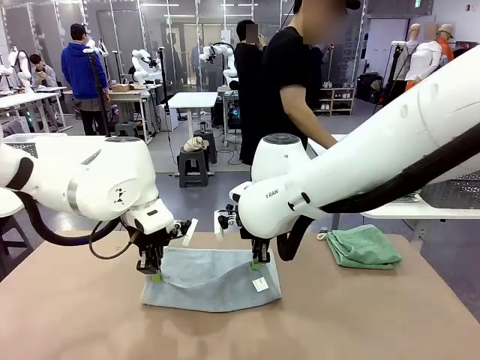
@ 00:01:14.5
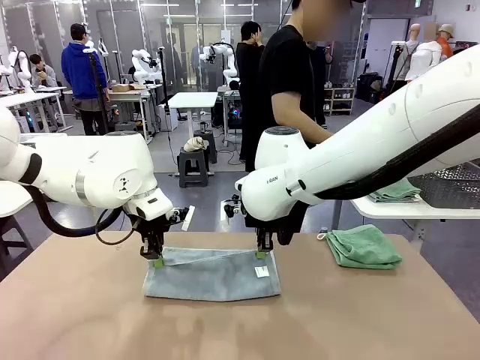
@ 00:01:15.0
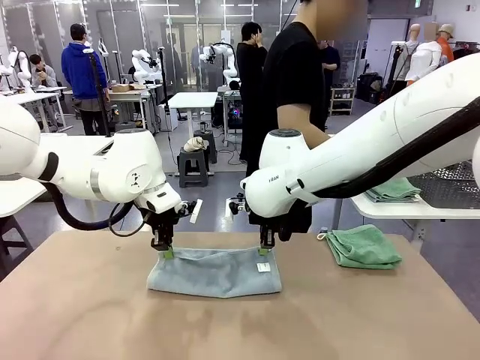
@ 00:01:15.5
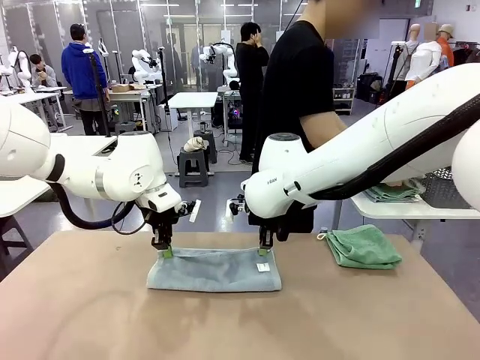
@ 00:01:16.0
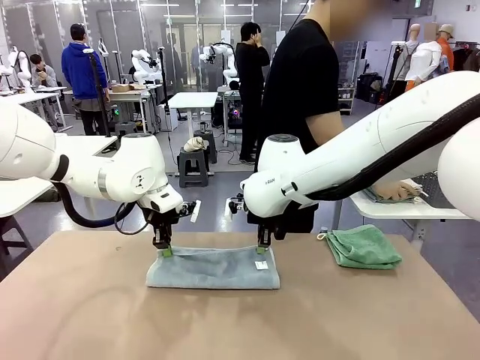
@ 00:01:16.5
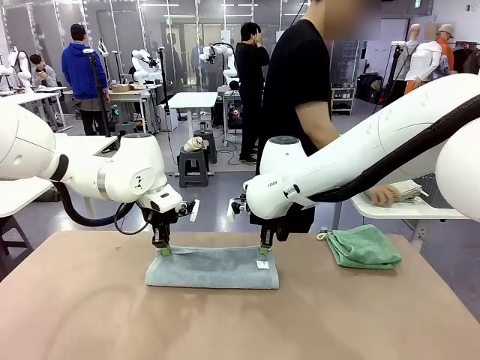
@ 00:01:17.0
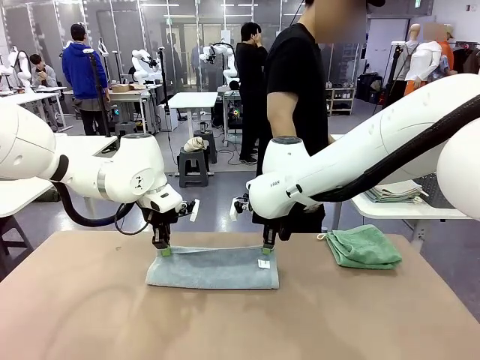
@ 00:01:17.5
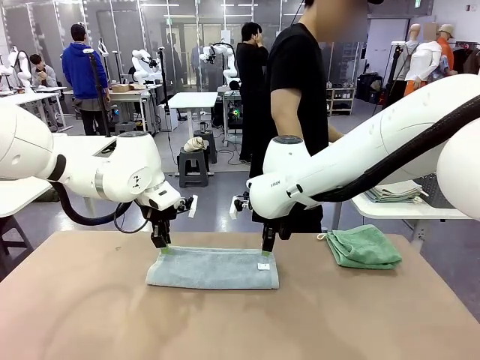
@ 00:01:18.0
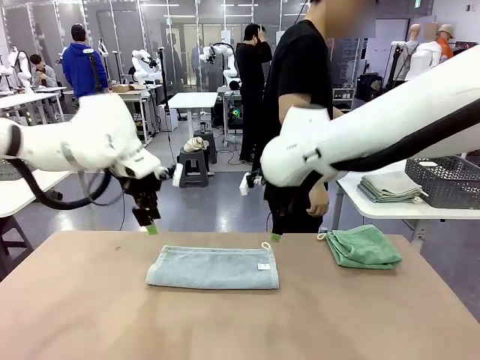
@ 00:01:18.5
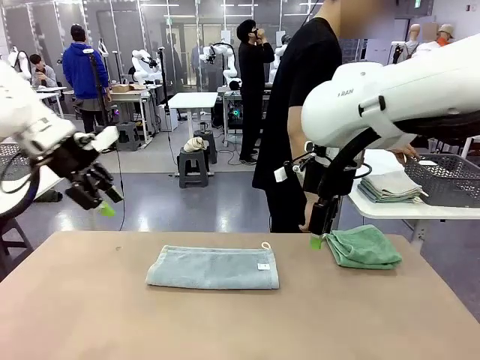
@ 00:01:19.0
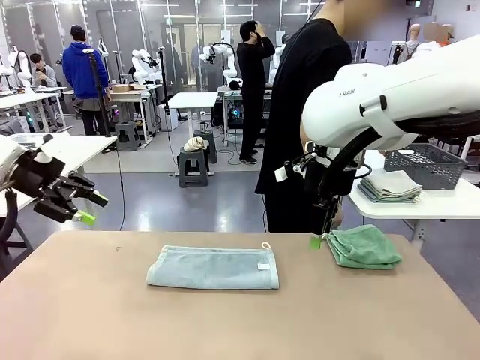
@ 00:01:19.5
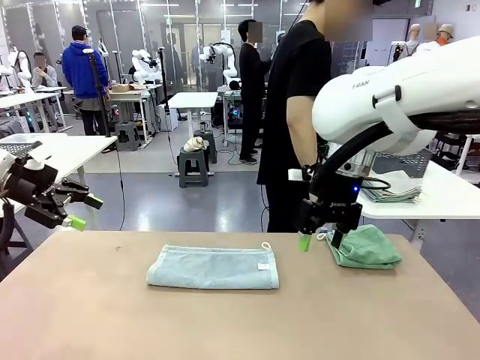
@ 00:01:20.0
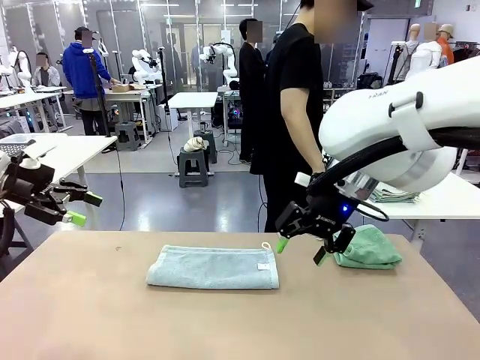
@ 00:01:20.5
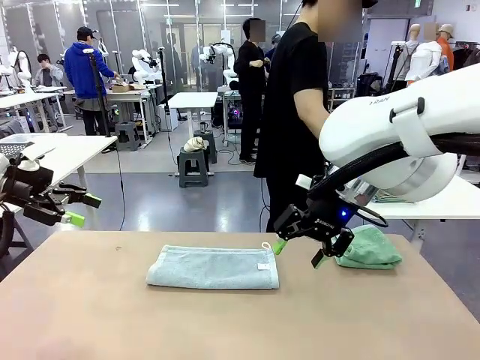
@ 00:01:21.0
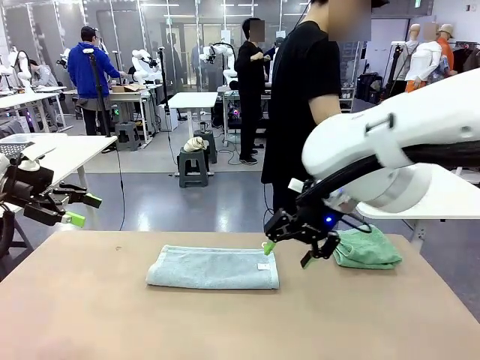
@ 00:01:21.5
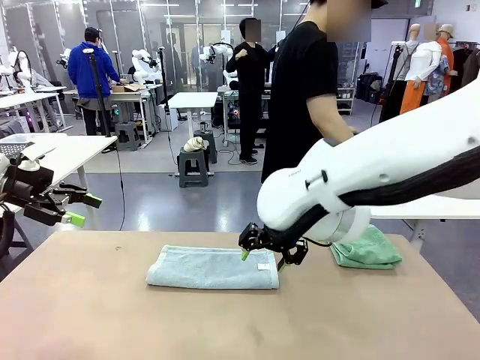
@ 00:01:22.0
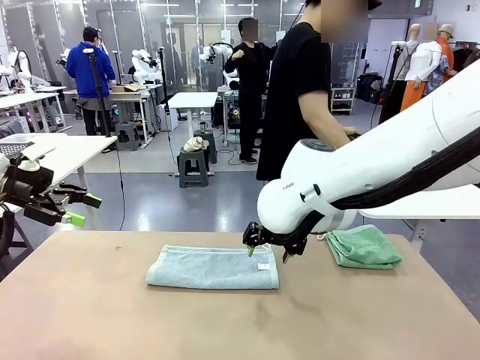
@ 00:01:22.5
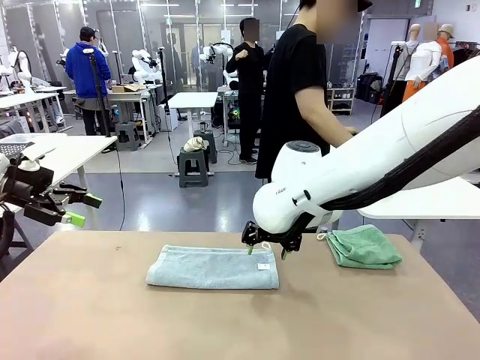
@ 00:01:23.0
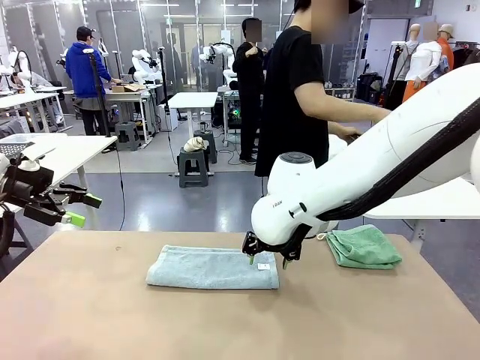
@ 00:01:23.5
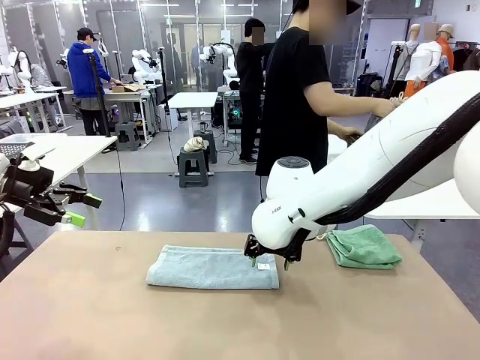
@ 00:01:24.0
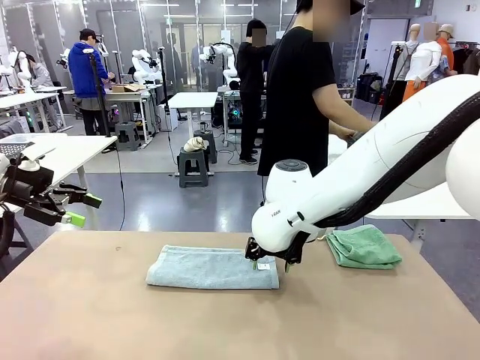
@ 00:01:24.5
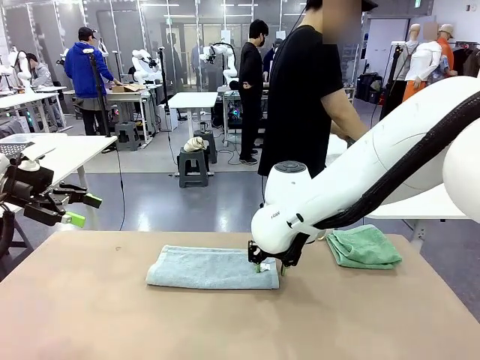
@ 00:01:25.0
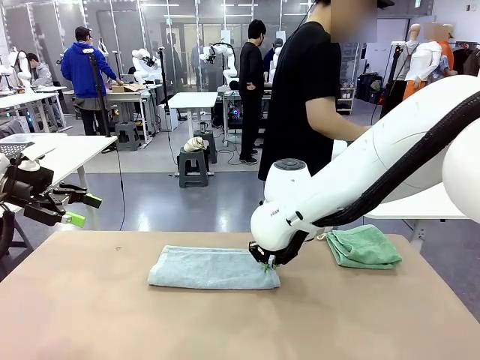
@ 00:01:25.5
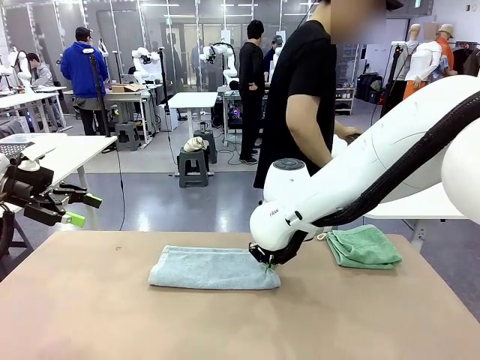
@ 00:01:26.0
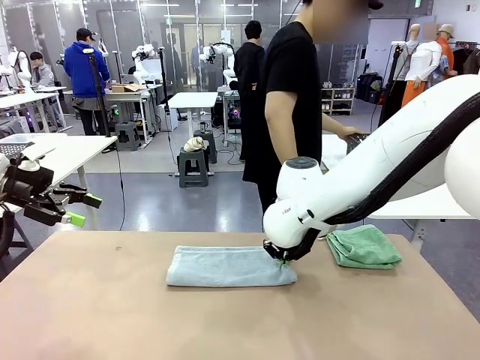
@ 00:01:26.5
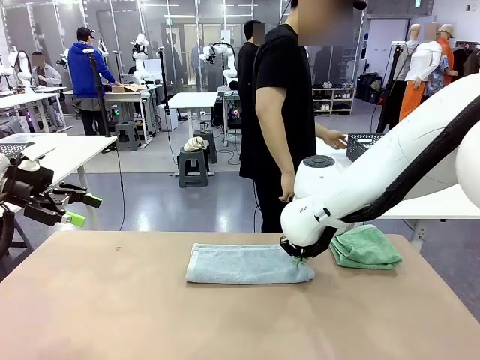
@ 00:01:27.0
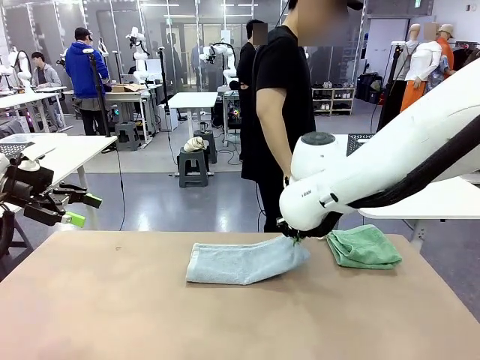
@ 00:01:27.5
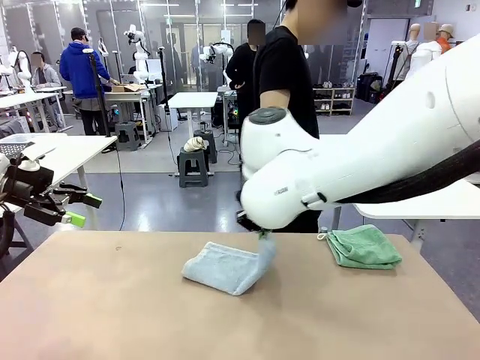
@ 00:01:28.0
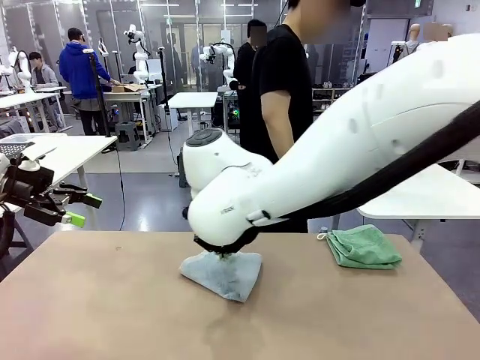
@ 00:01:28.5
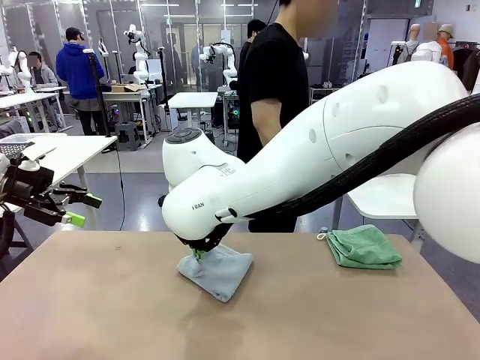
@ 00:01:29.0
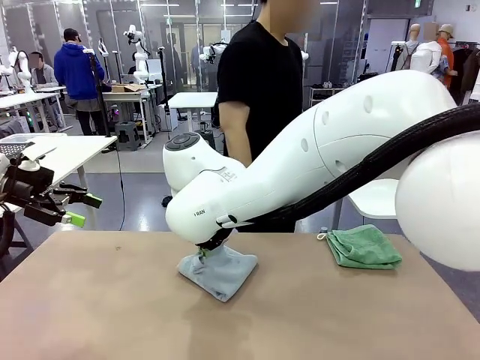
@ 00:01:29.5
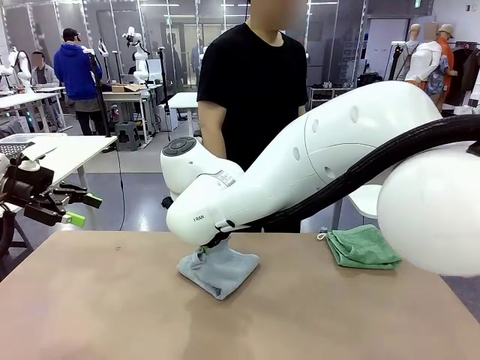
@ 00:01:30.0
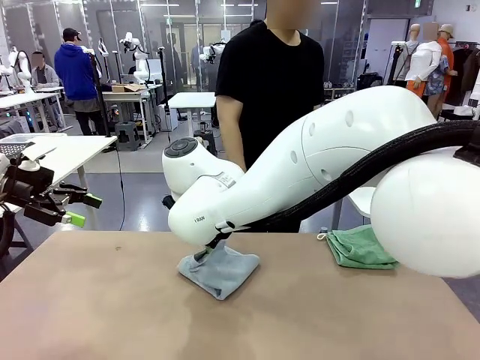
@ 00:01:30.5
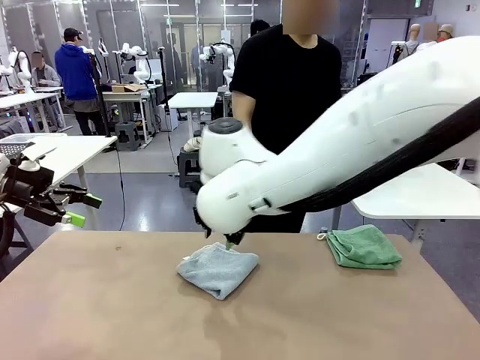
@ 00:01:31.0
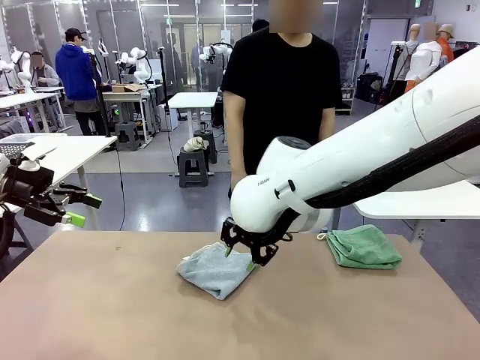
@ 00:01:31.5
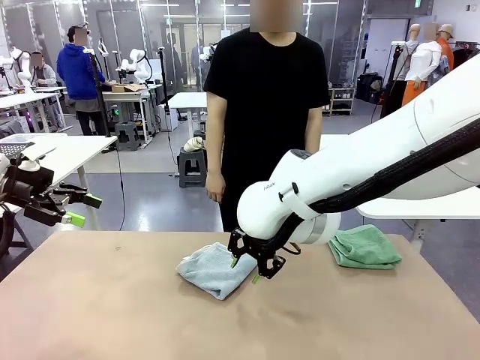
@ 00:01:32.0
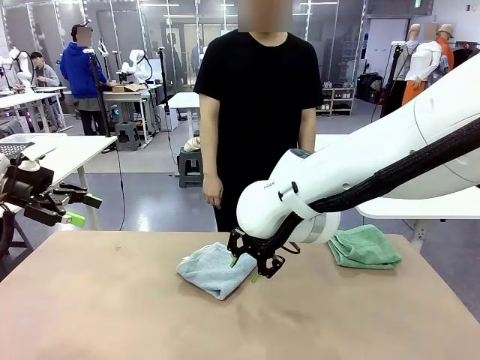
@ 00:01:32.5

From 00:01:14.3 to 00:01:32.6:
Task: Fold the towels and place them in the basket.
Robot: When a person lays out a Towel with hook on the table, fold it in half twice.
Person: Pick up the stack of towels from the right side of the human table, place it into the basket, and put the basket at the center of the table.

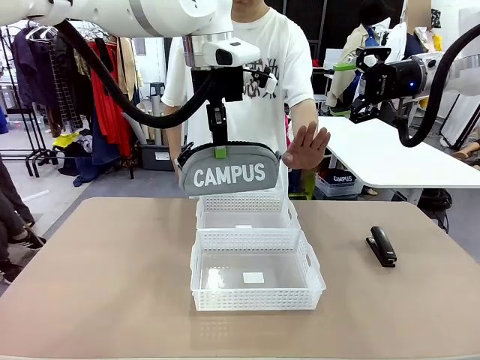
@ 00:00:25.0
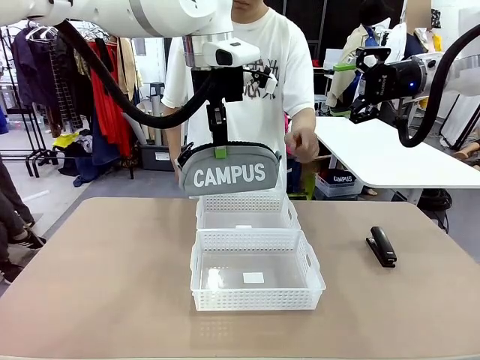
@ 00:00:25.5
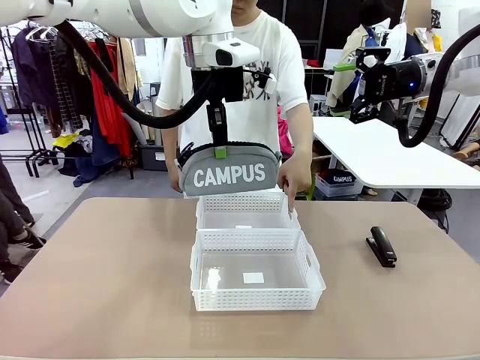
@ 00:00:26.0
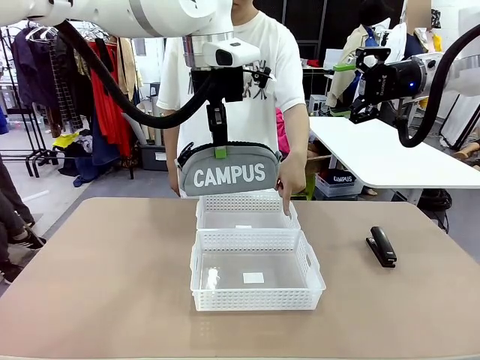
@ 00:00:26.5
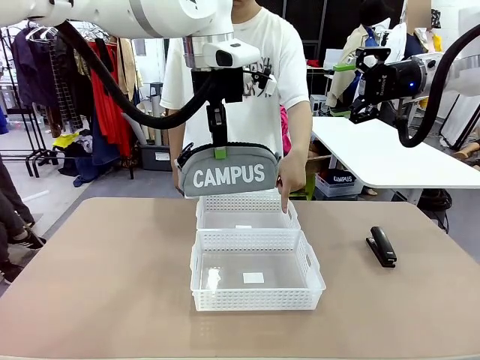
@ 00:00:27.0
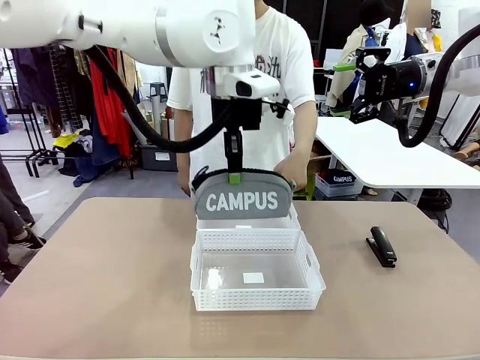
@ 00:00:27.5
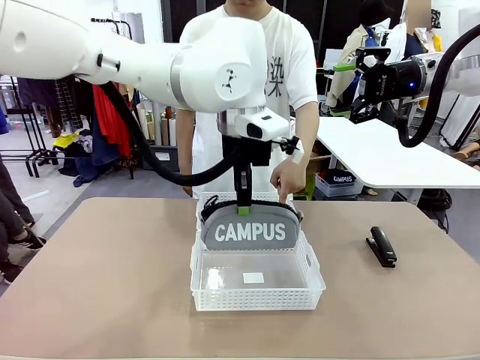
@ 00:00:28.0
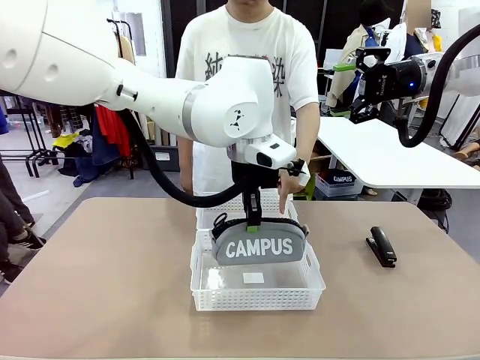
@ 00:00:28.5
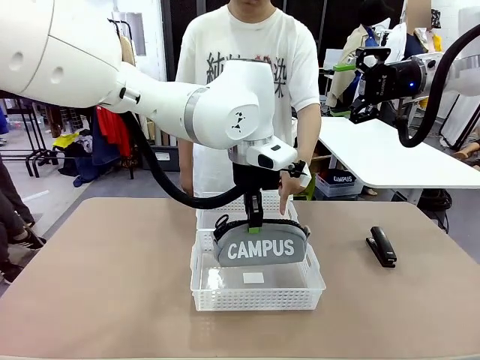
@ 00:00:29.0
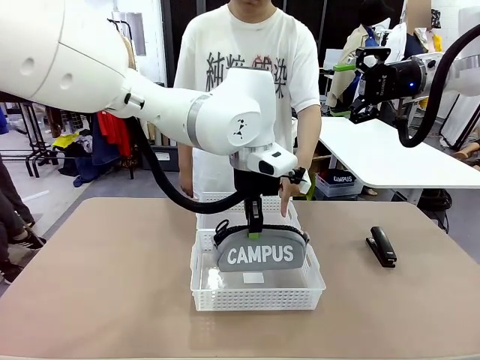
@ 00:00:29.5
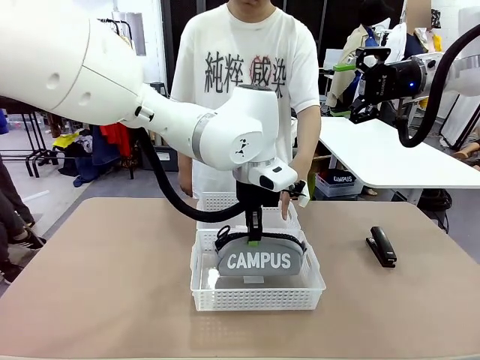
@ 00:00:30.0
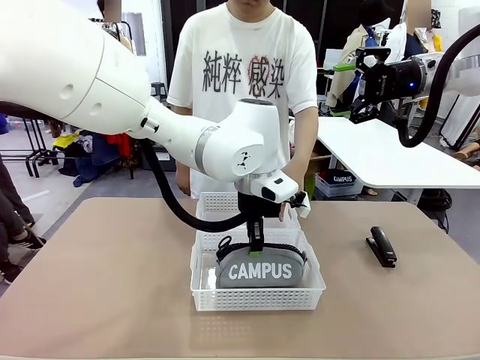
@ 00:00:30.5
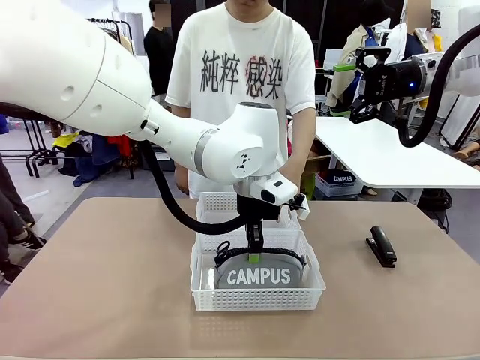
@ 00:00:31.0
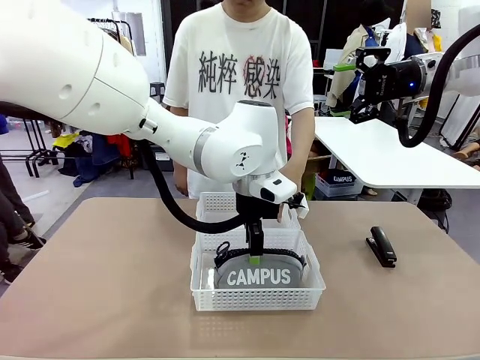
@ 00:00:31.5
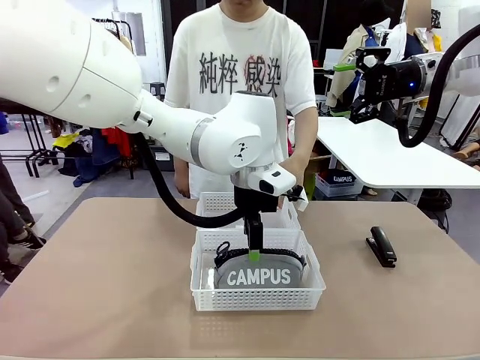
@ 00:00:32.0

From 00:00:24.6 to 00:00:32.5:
Task: Distribute items into two baskets.
Robot: Place the picked Pencil pouch into the Organizing basket as instructed by the person.
